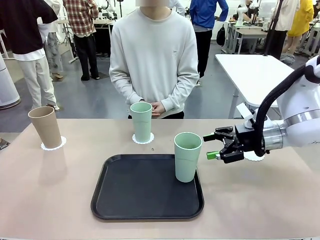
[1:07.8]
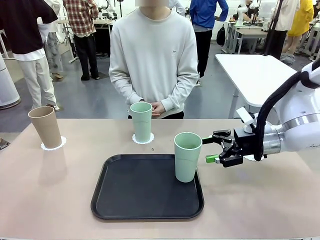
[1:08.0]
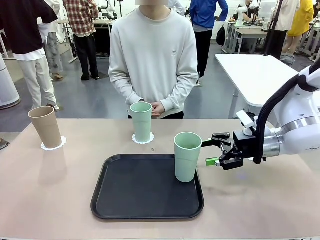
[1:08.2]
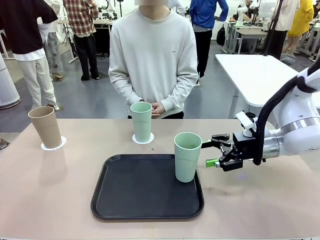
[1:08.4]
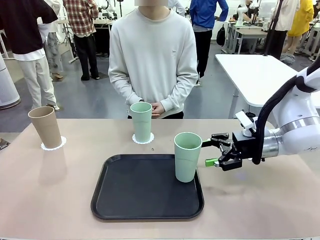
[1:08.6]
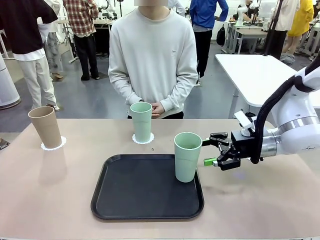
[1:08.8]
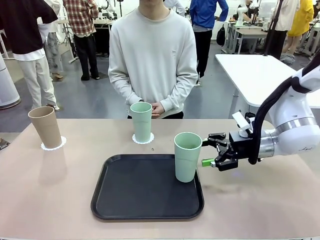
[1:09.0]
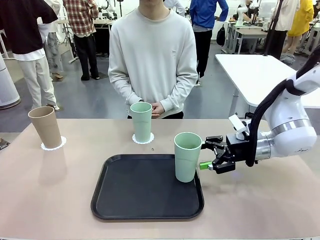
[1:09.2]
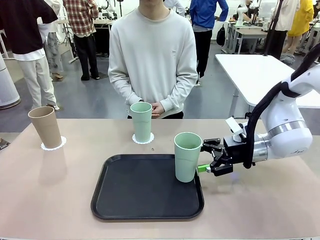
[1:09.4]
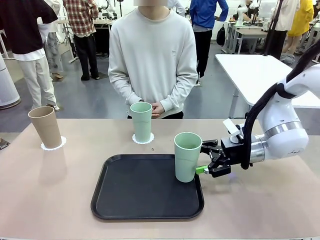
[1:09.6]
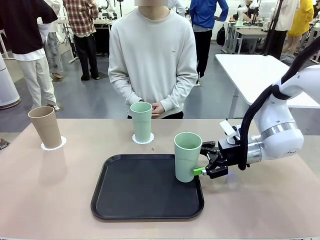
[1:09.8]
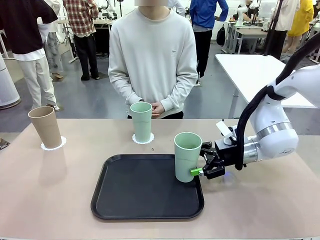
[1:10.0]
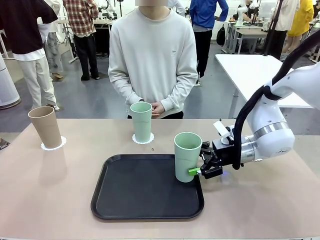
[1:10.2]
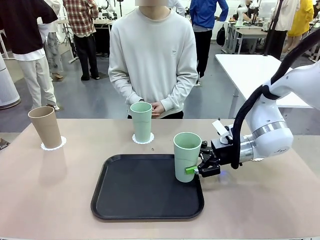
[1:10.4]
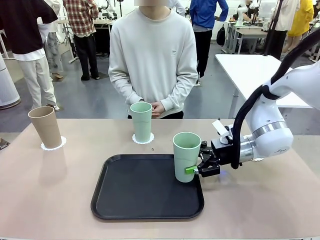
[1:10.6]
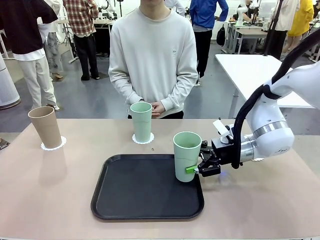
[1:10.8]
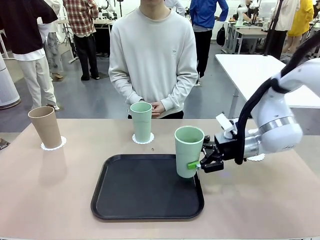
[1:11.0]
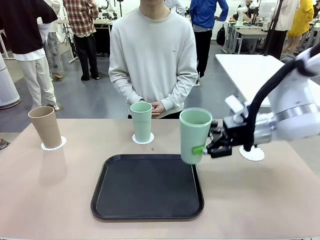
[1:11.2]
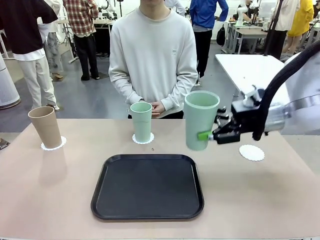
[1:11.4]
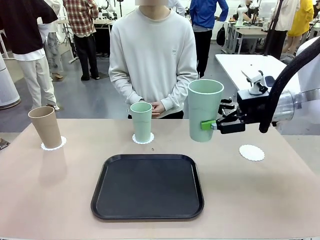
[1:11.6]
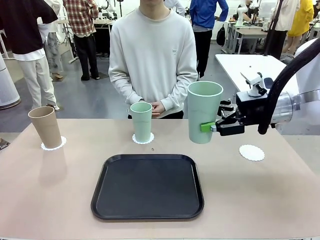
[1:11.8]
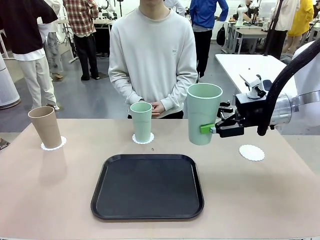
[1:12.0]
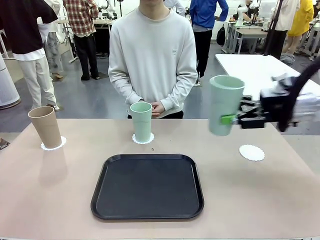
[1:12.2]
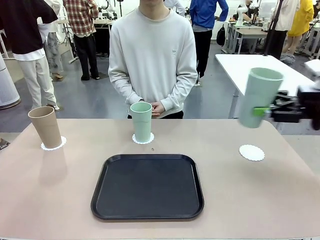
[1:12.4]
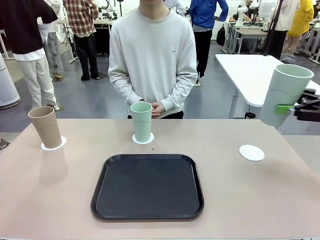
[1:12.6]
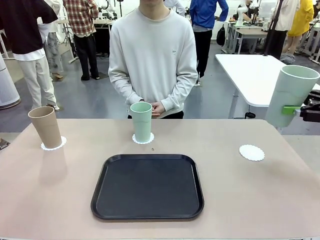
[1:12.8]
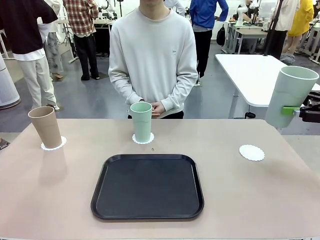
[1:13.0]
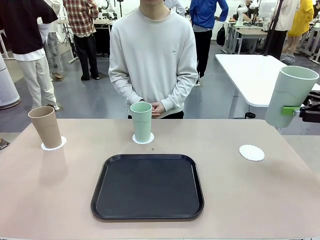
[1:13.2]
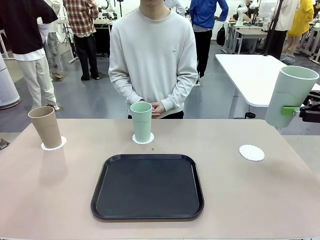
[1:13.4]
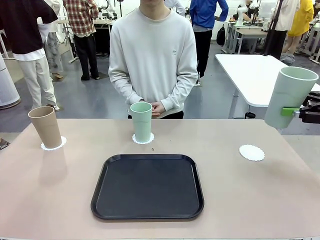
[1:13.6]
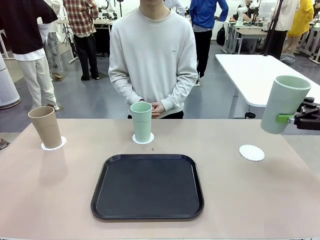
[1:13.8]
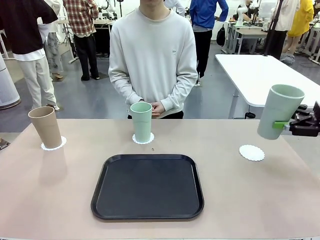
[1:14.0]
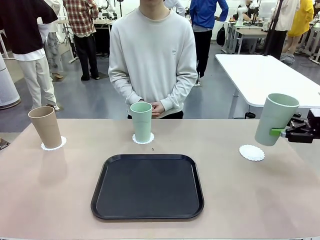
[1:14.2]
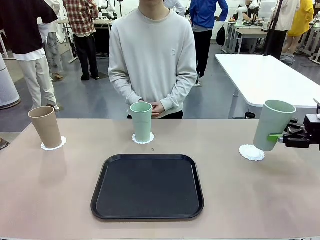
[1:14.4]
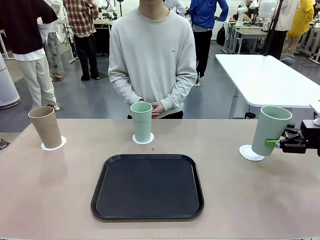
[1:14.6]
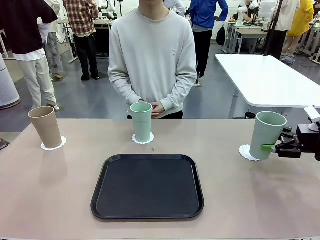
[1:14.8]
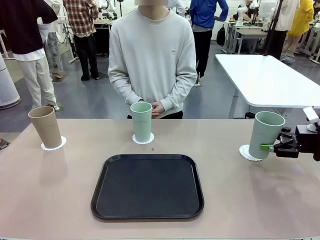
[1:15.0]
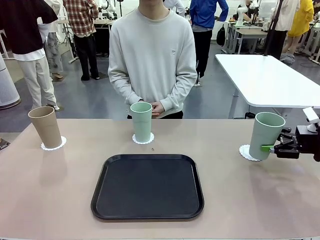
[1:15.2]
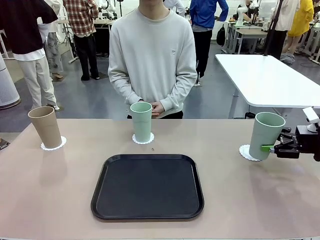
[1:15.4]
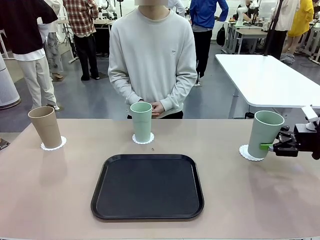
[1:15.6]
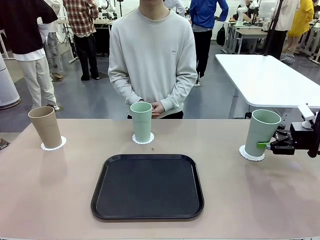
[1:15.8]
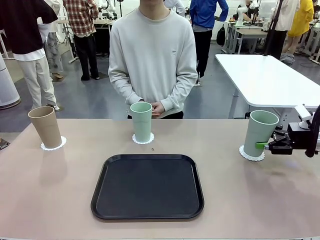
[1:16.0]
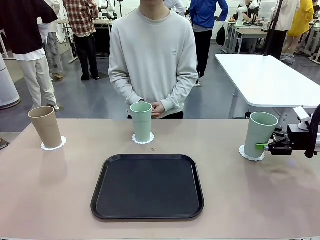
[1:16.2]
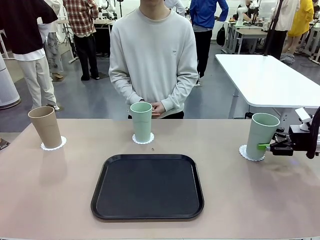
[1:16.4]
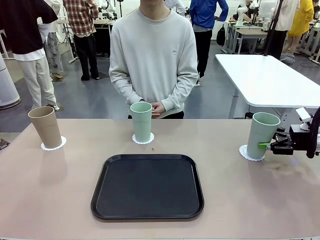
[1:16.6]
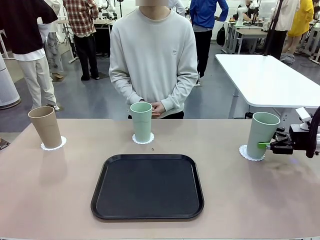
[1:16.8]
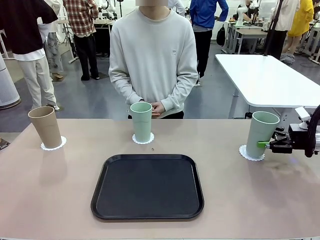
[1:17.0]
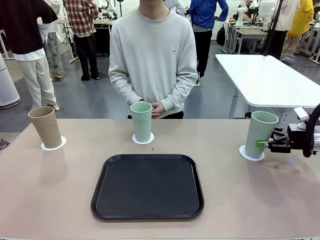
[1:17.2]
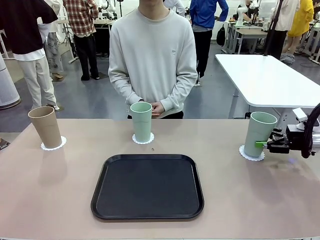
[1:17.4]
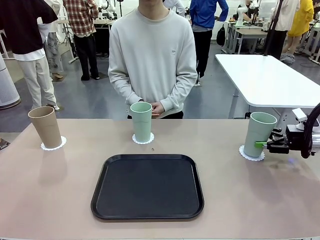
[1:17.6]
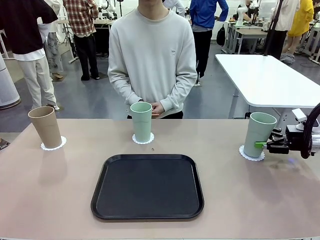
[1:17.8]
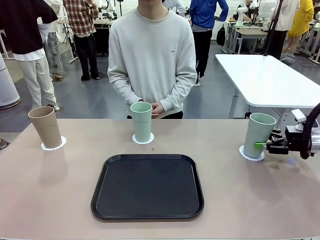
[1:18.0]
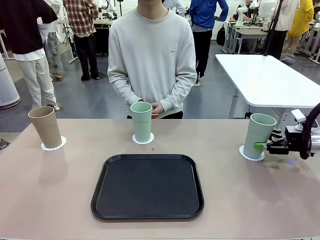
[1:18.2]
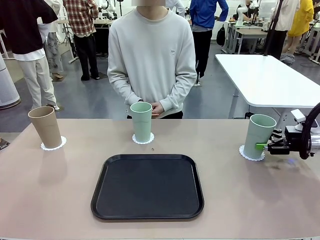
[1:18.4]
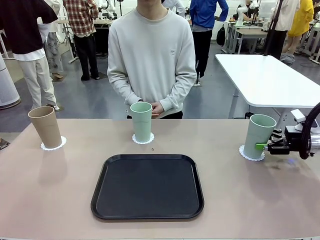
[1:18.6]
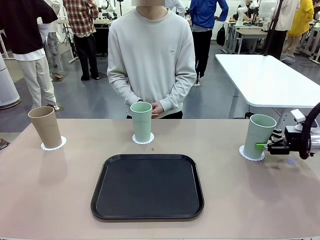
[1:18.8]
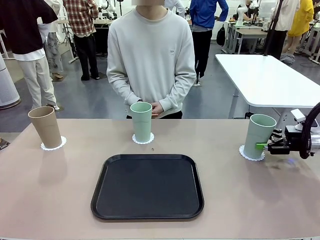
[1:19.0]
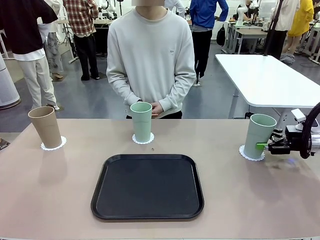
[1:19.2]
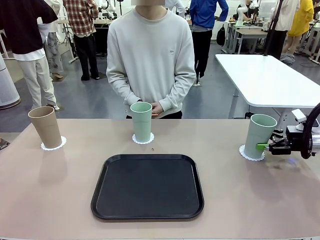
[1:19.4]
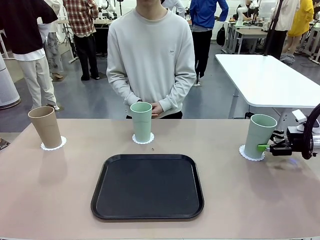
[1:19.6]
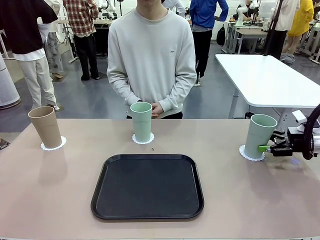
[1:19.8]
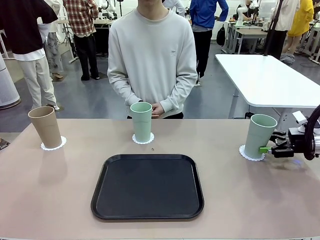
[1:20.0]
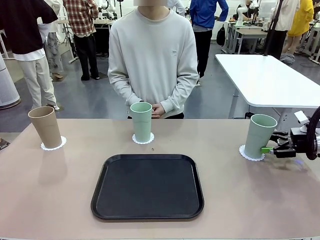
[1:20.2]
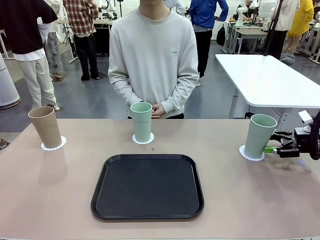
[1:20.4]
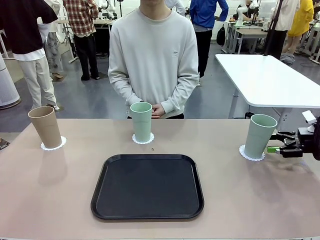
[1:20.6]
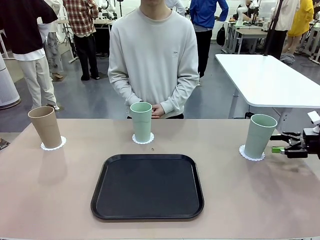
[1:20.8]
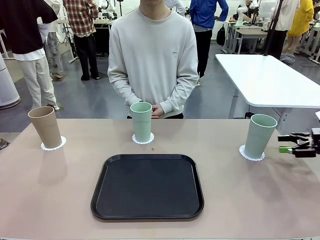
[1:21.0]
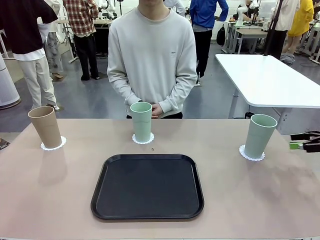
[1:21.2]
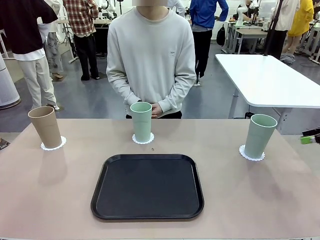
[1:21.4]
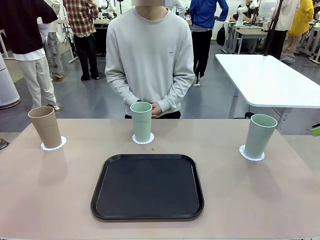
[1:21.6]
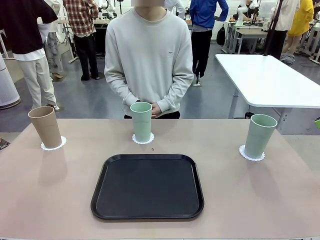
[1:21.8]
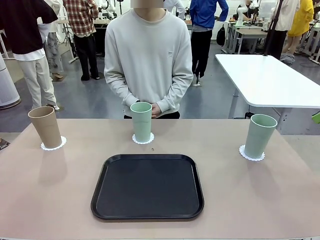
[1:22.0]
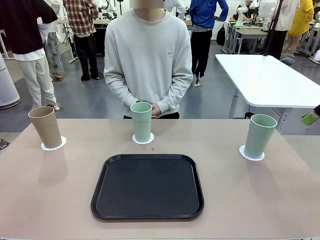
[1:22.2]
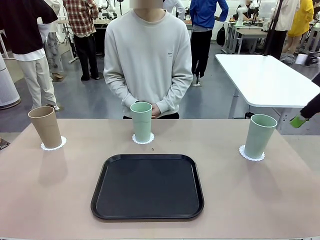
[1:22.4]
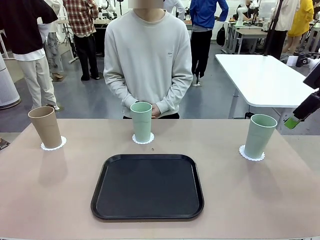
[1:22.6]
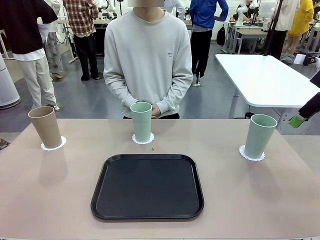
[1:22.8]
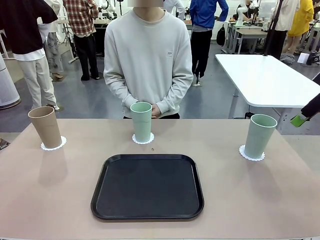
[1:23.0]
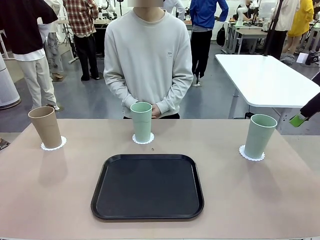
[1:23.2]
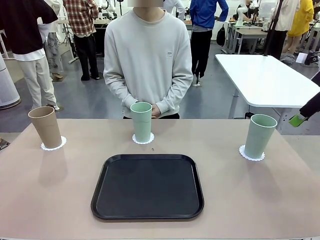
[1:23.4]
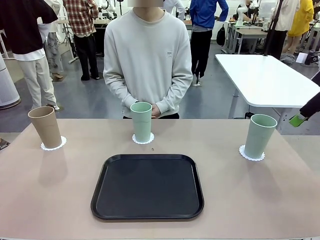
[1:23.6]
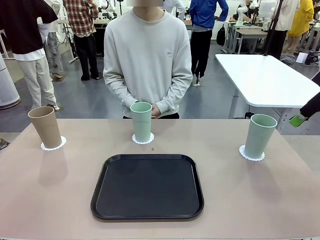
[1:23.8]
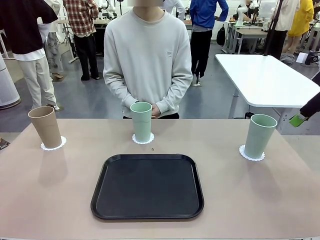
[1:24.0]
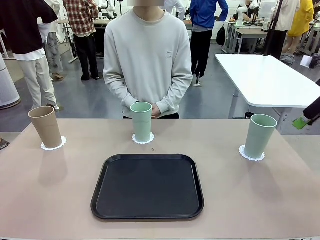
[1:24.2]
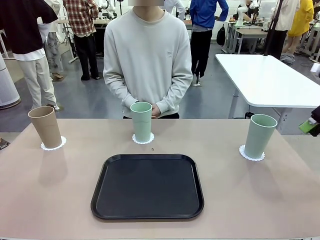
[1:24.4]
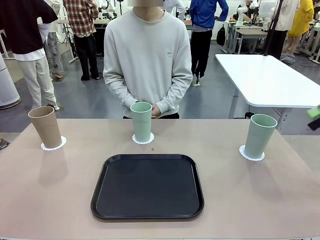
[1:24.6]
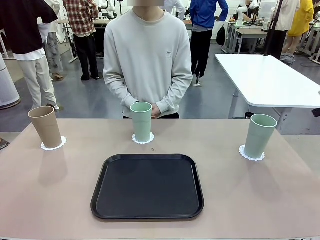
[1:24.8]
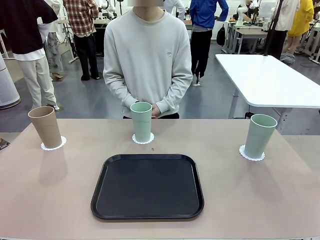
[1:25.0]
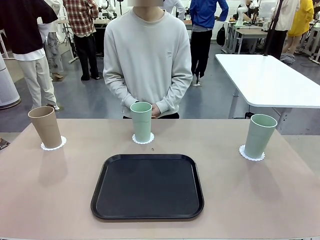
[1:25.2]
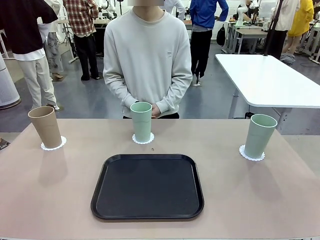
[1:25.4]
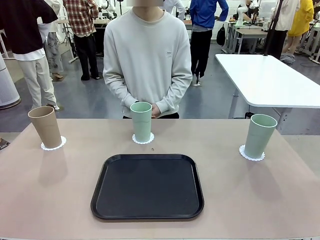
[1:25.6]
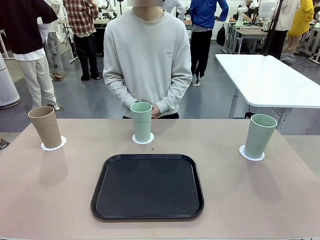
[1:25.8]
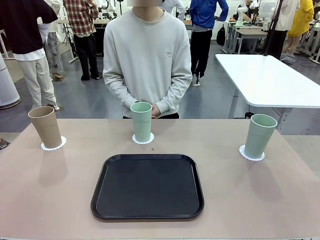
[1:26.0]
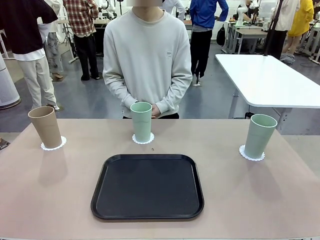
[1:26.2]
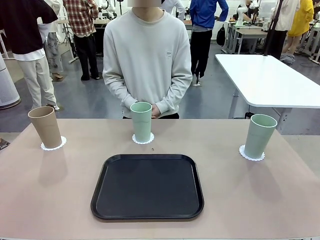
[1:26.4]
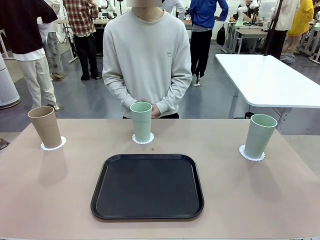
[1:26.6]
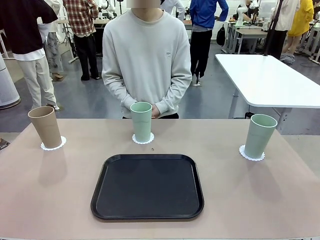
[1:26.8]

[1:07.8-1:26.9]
Task: Place coasters on the table and set cups on them.
Robot: Take one Reusable plastic cup from the Flat Tray and place it on a coaster set by the human.
